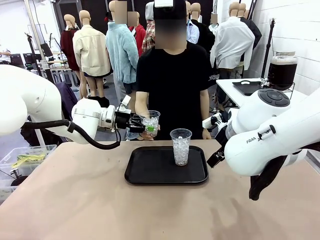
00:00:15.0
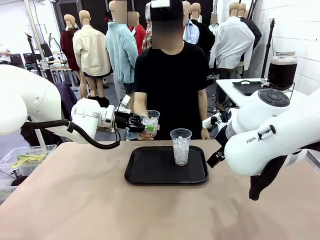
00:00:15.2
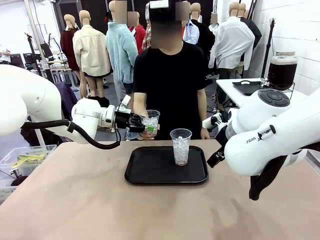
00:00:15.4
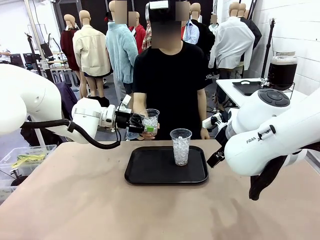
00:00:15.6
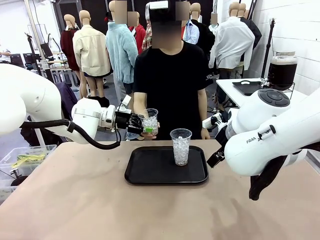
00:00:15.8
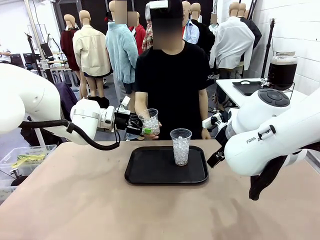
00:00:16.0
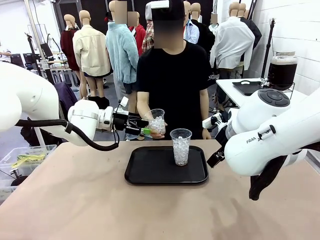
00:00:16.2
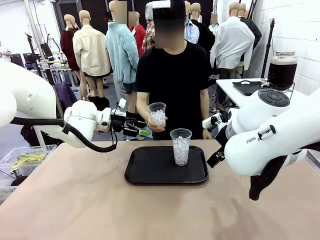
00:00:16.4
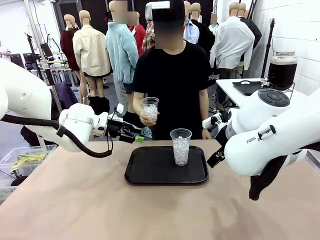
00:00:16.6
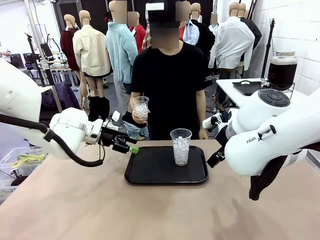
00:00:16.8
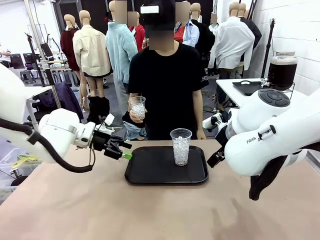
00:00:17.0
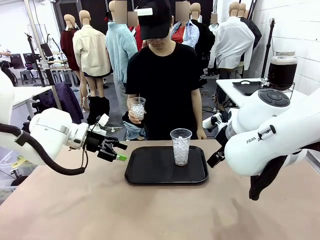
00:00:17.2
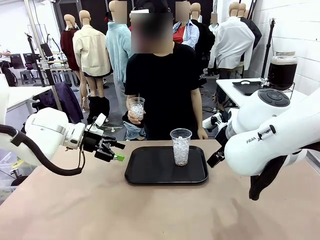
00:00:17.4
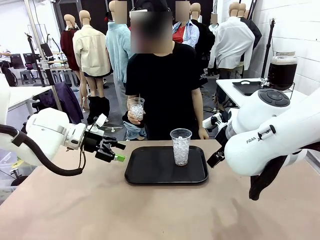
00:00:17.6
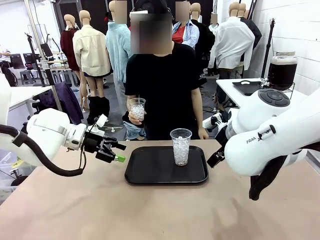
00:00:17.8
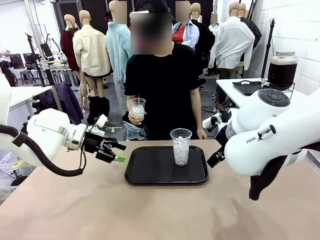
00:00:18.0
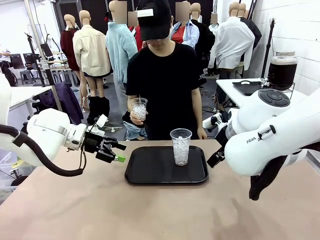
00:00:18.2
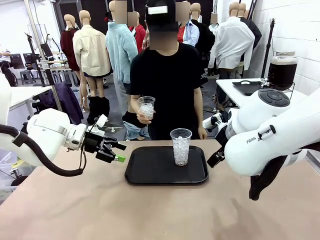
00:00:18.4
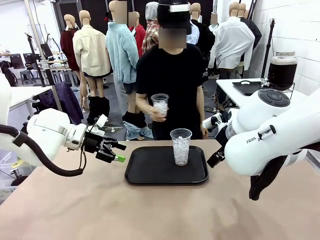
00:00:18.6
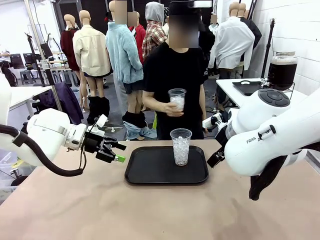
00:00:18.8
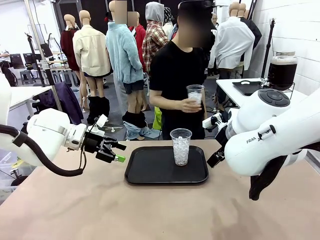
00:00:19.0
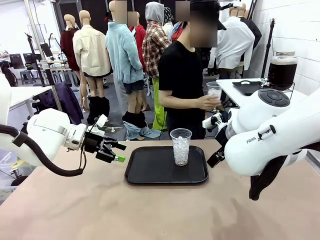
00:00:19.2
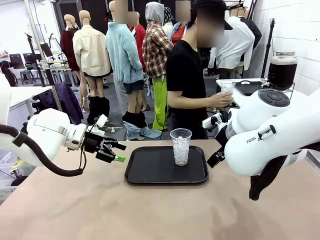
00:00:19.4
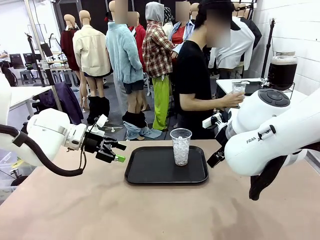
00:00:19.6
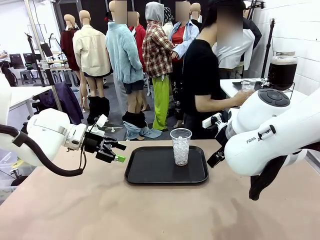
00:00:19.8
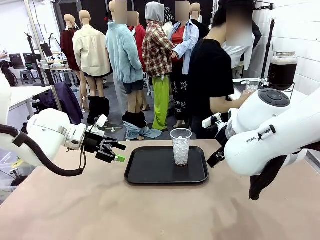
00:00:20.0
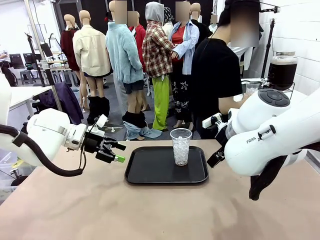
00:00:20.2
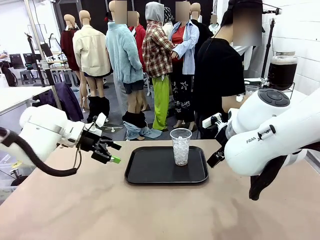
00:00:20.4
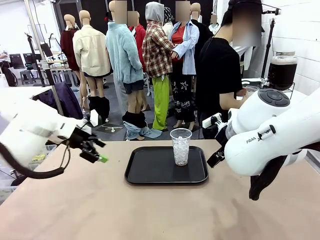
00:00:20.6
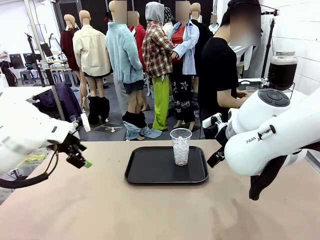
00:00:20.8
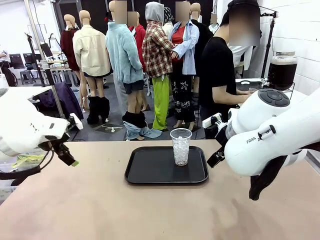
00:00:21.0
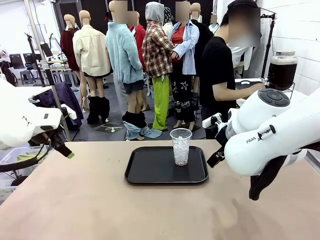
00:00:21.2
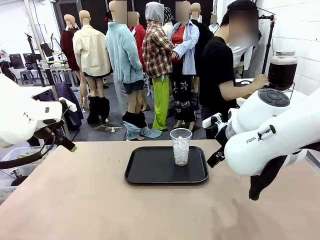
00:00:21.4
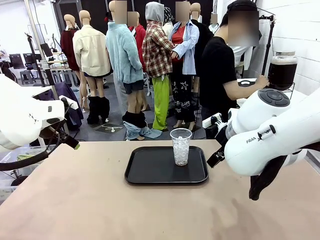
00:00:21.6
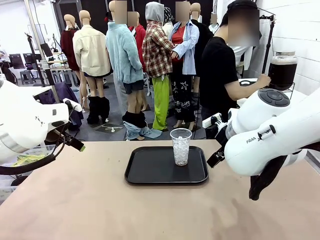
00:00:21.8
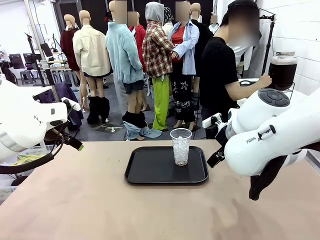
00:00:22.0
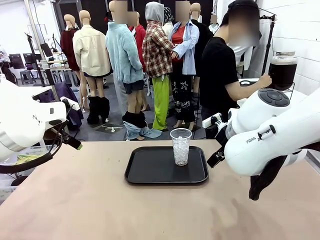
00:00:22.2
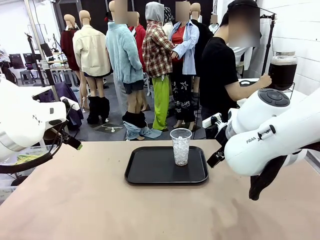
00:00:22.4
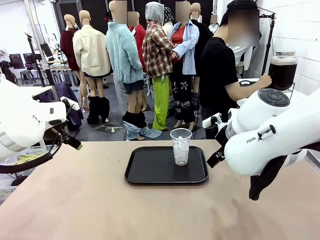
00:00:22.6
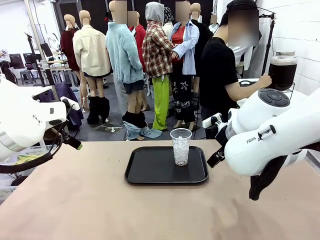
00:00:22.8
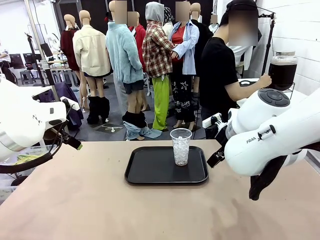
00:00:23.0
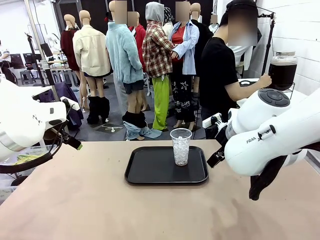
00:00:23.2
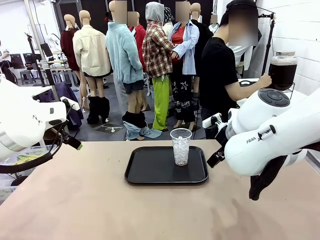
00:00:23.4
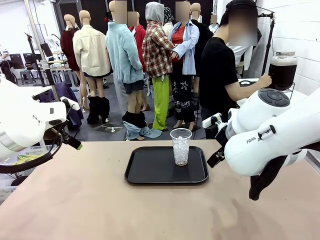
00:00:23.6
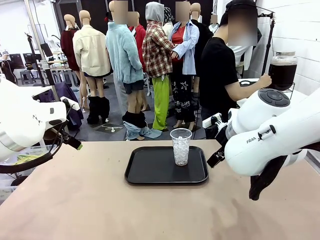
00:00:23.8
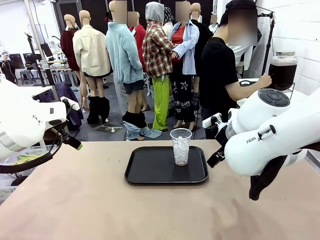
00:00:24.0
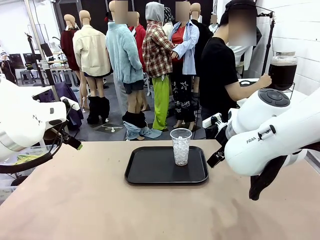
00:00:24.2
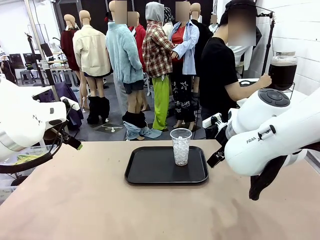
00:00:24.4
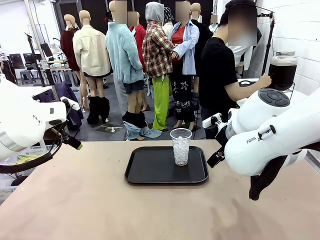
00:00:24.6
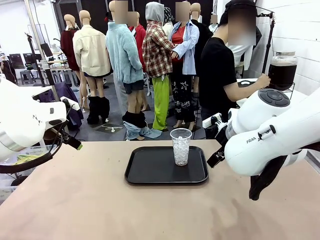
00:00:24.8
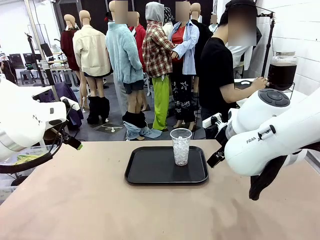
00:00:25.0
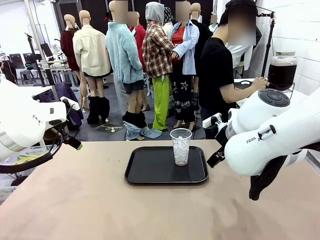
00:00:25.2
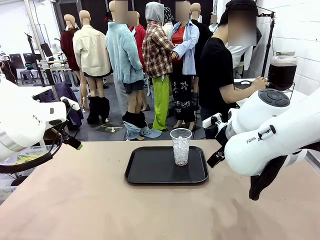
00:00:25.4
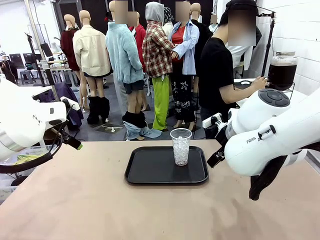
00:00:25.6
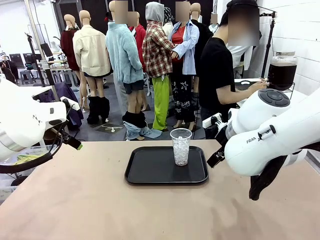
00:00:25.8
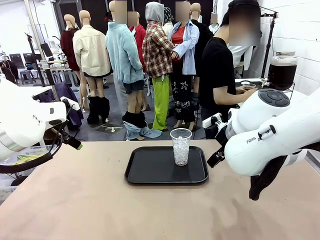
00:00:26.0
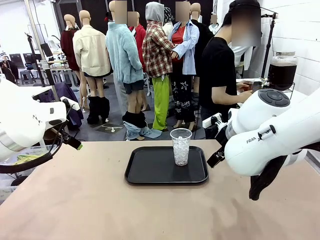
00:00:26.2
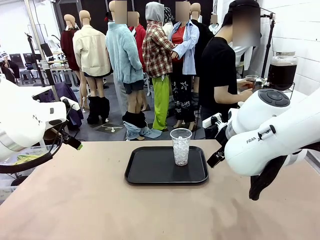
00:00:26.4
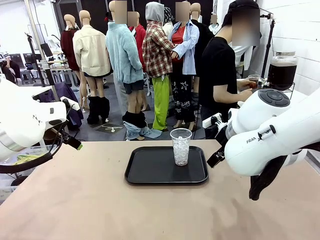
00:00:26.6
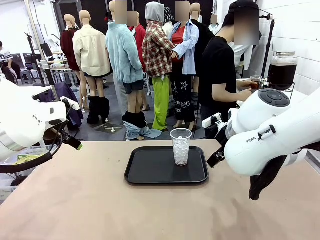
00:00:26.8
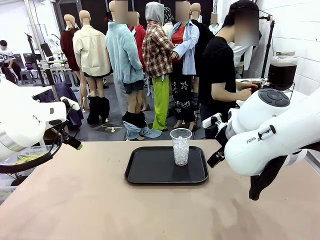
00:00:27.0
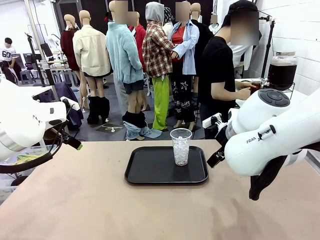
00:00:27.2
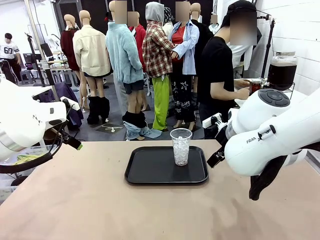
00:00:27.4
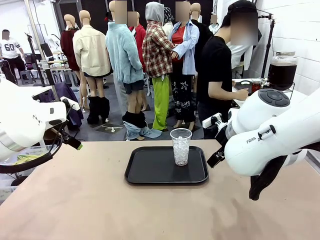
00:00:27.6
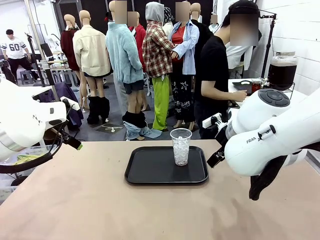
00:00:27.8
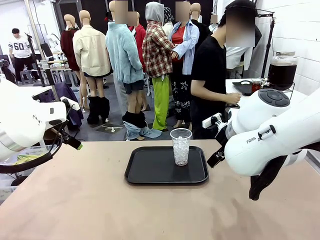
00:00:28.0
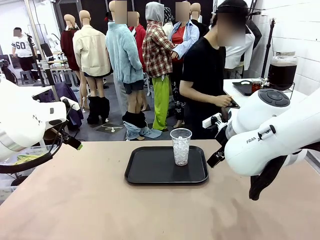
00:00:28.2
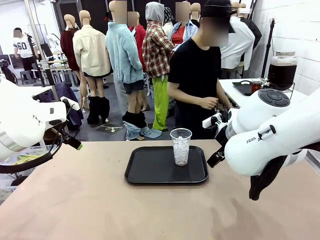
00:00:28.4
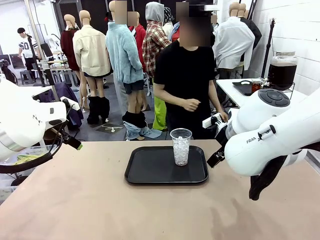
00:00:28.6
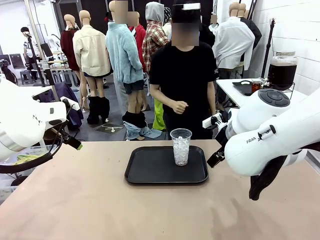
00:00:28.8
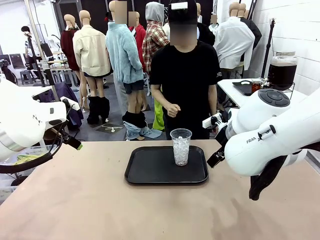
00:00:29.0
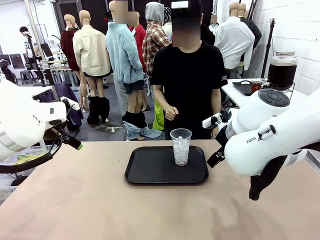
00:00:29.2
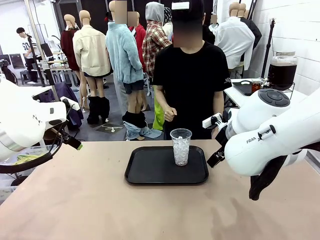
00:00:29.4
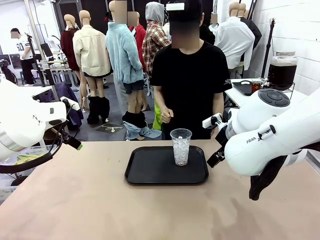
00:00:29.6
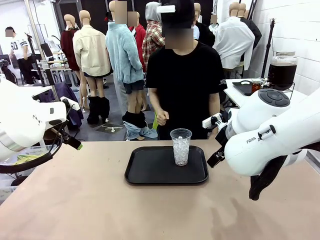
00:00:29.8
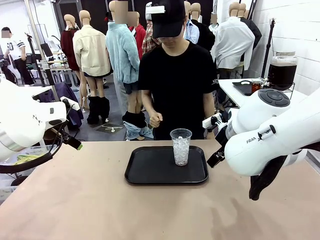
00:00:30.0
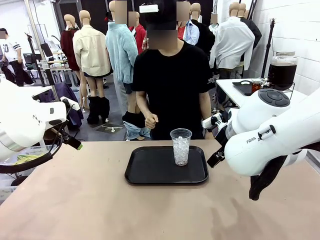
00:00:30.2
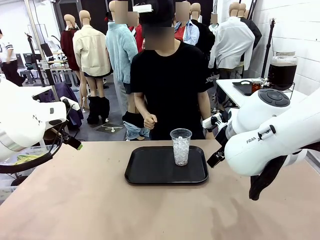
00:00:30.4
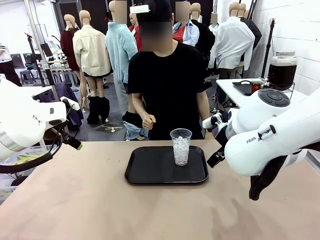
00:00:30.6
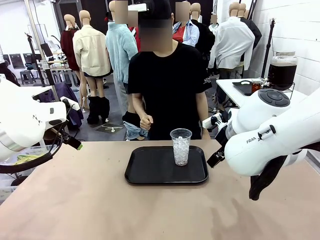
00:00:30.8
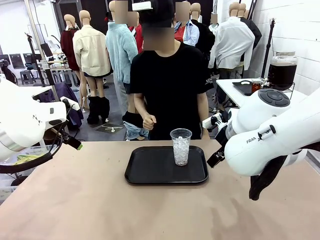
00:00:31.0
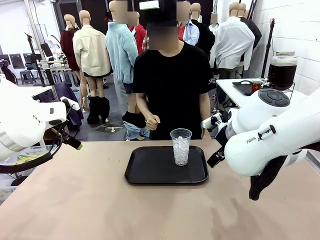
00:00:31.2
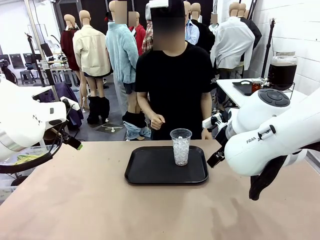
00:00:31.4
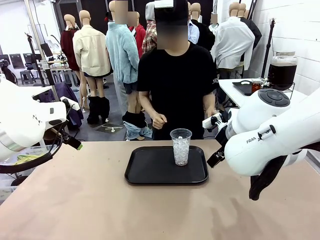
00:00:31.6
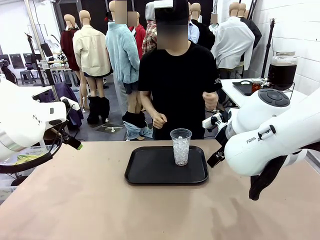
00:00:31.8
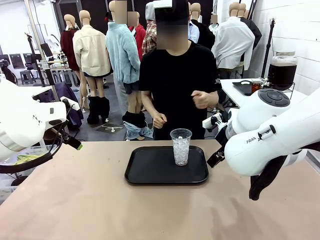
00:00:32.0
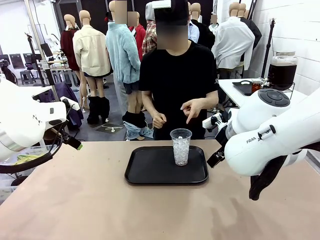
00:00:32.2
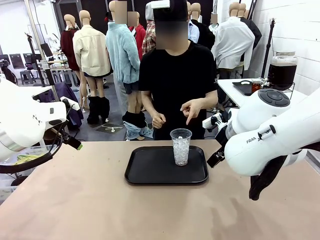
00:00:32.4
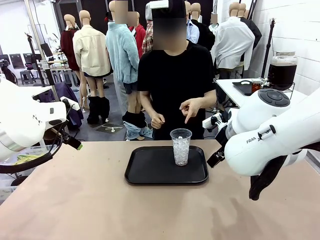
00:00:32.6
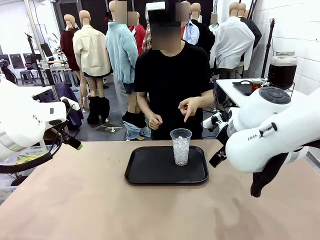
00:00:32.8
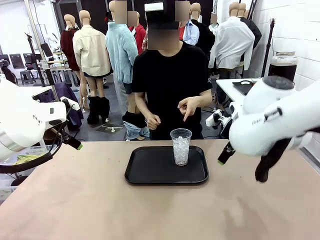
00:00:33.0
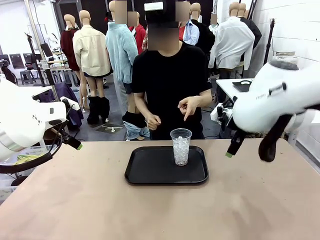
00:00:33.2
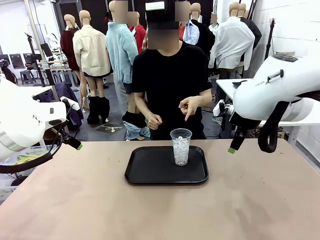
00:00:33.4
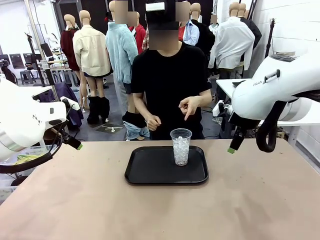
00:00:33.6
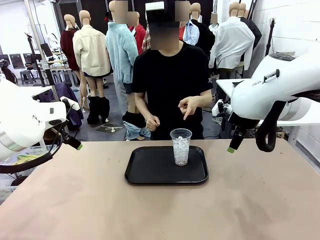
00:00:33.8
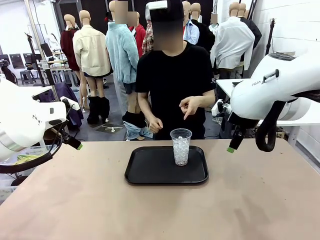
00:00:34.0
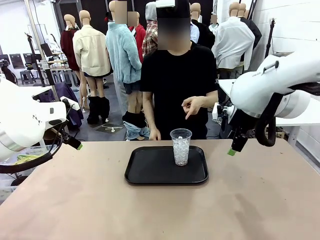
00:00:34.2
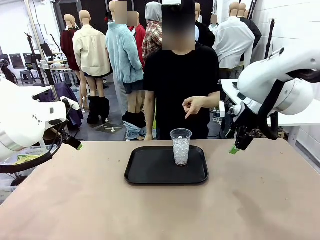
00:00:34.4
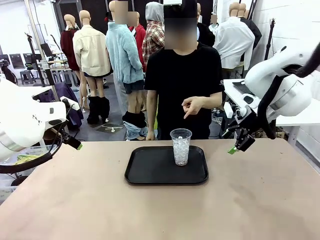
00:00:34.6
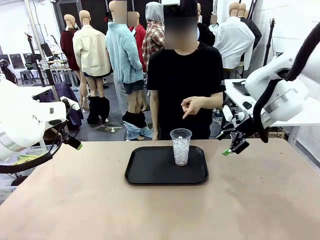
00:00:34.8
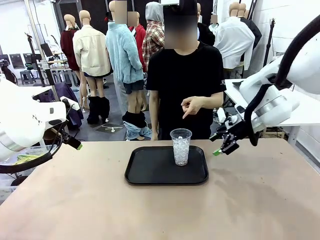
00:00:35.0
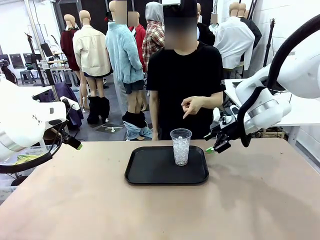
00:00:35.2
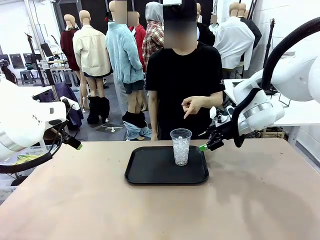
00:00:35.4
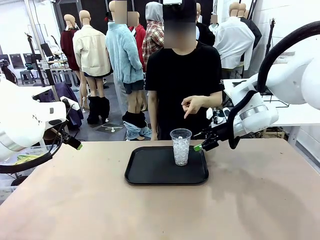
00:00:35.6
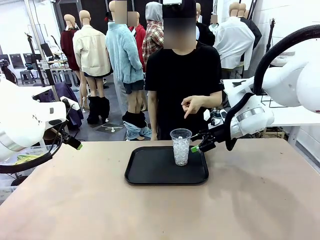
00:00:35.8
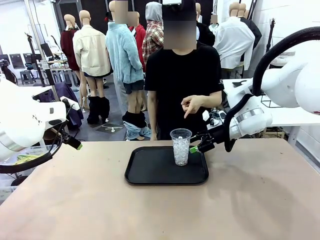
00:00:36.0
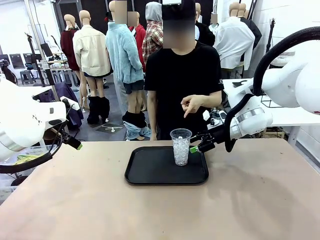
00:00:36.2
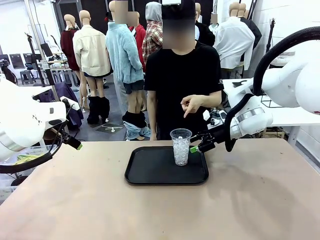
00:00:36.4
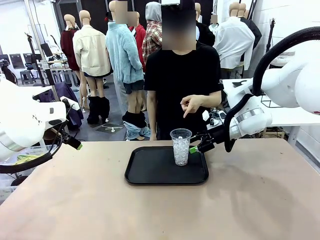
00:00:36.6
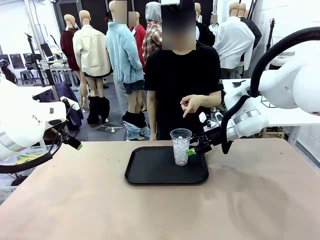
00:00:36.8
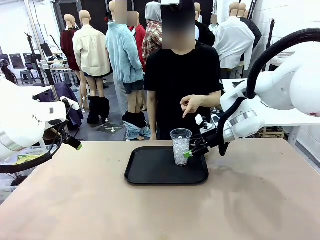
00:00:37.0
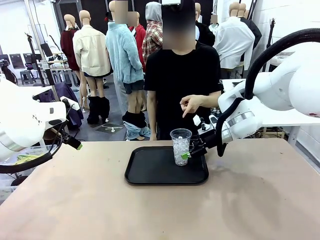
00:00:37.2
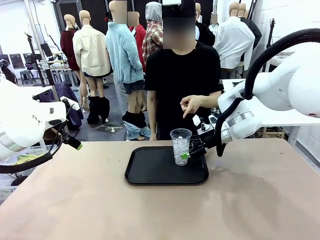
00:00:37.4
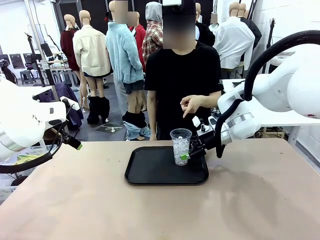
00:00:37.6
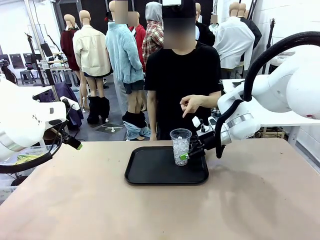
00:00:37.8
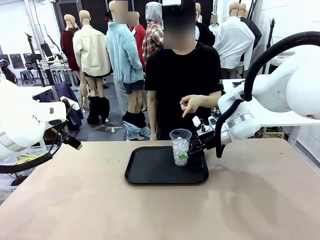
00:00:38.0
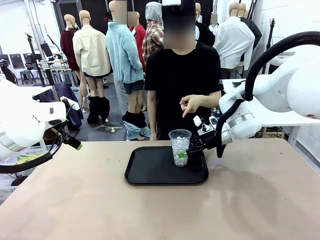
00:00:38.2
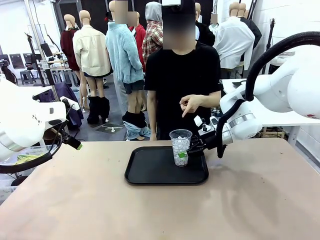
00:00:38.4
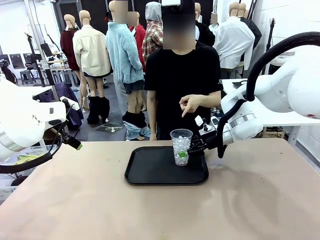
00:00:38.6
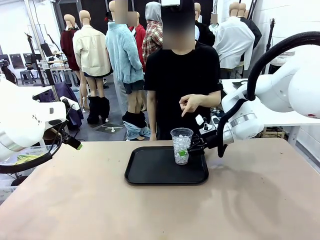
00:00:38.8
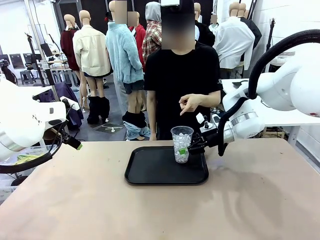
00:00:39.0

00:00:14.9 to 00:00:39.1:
Task: Pour the drink into the iced cup.
Robot: Pick up the iced cup indicated by the human and present it to them.
Person: Move the picked-up cup under the dispenser faucet, pour the drink, and place it on the tray on the human table. Point to the remaining ice cup on the robot table. Pick up the cup offered by the robot.
